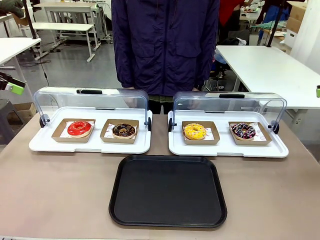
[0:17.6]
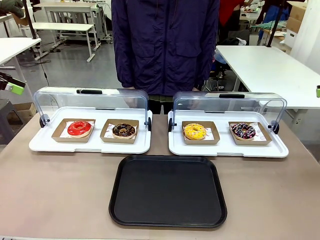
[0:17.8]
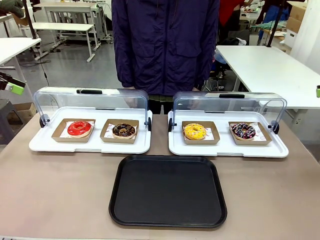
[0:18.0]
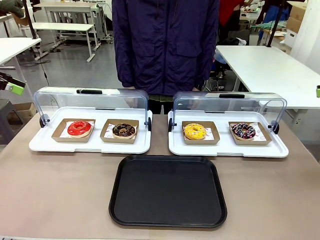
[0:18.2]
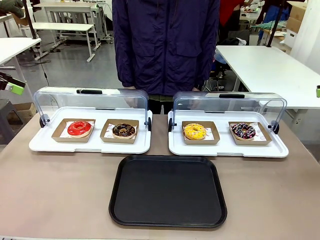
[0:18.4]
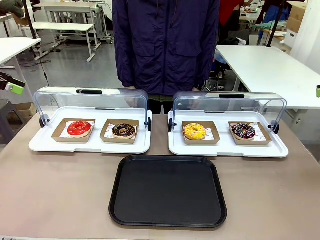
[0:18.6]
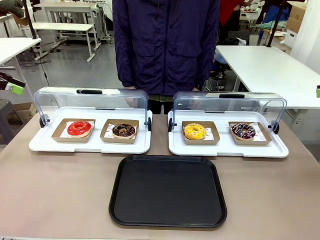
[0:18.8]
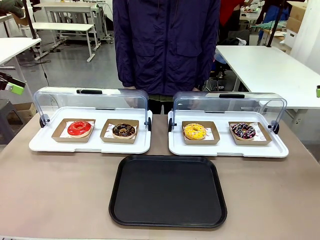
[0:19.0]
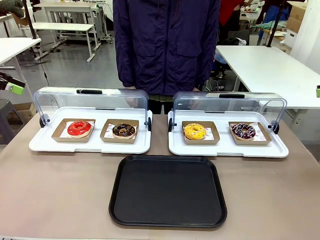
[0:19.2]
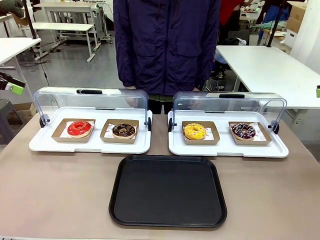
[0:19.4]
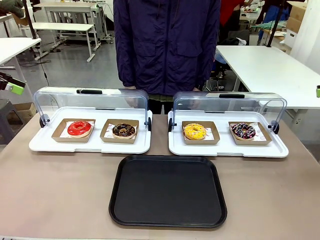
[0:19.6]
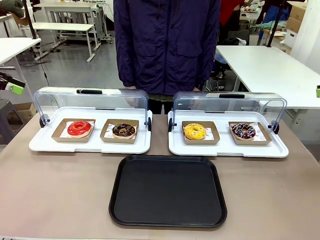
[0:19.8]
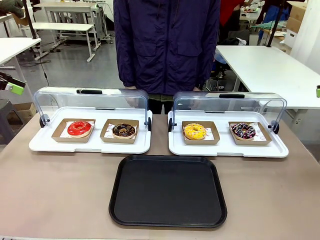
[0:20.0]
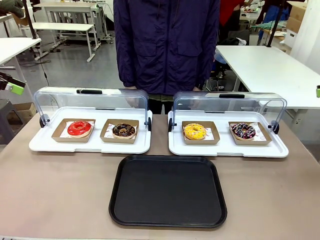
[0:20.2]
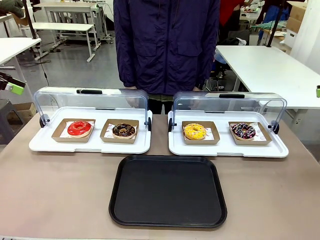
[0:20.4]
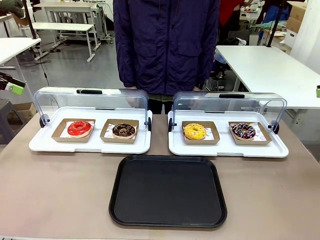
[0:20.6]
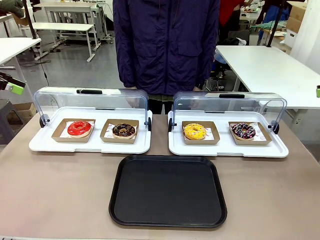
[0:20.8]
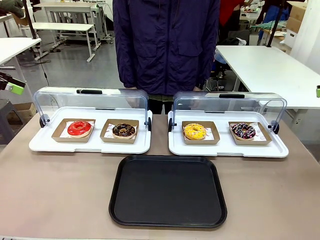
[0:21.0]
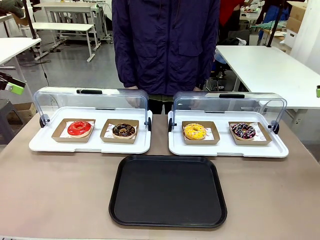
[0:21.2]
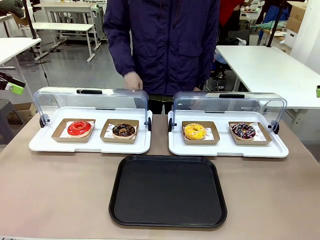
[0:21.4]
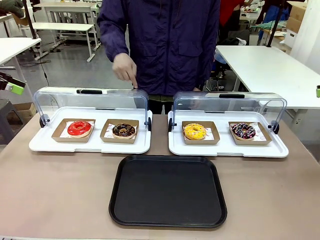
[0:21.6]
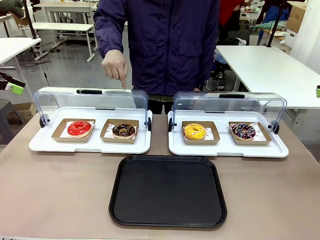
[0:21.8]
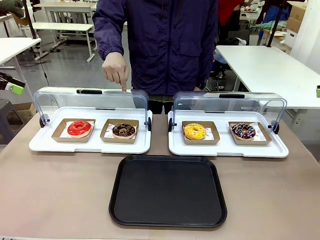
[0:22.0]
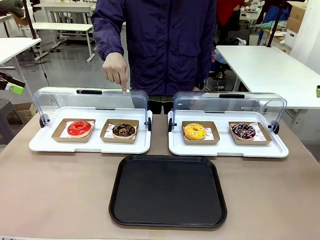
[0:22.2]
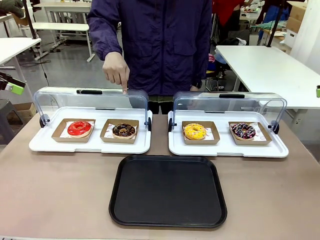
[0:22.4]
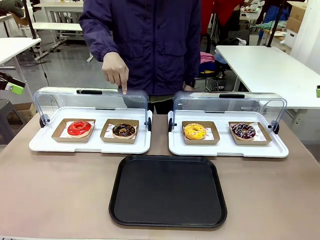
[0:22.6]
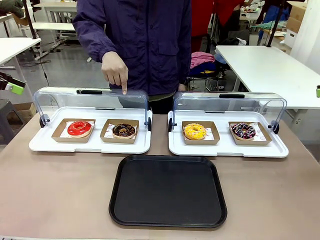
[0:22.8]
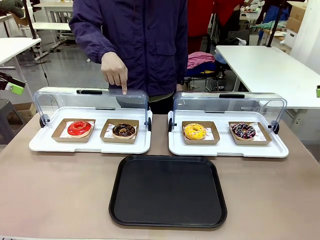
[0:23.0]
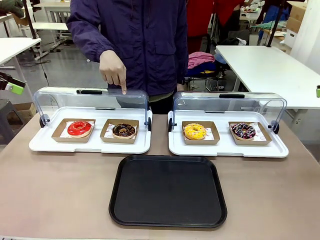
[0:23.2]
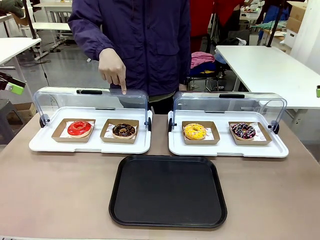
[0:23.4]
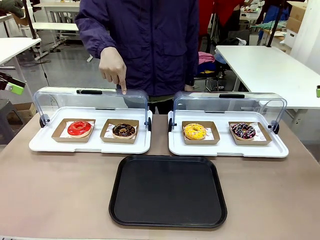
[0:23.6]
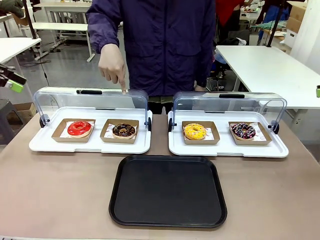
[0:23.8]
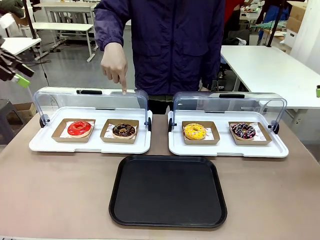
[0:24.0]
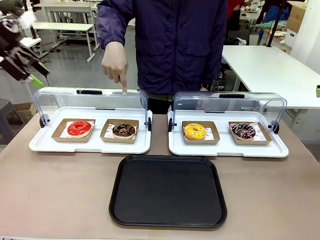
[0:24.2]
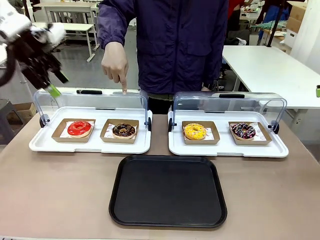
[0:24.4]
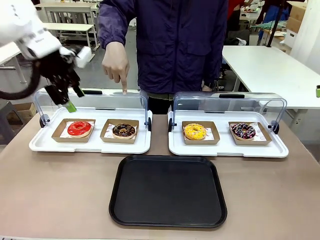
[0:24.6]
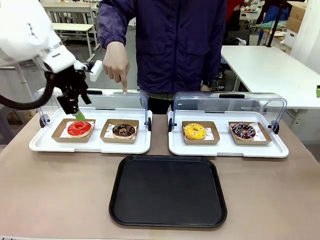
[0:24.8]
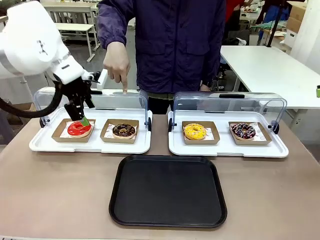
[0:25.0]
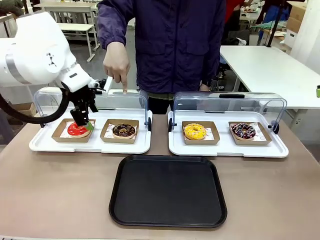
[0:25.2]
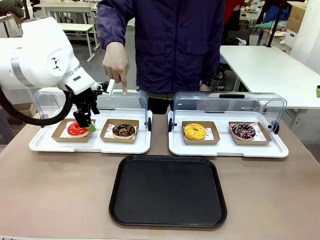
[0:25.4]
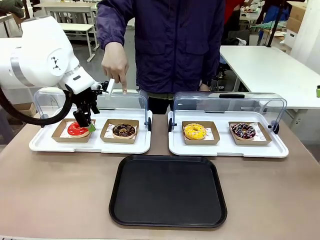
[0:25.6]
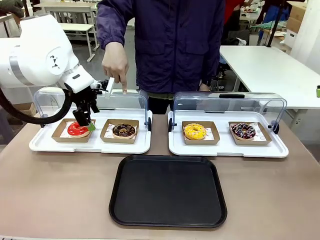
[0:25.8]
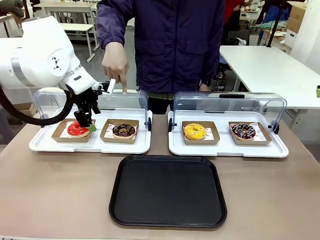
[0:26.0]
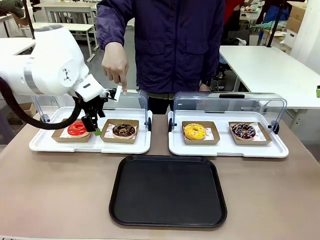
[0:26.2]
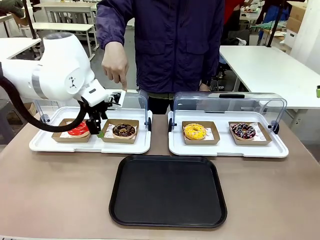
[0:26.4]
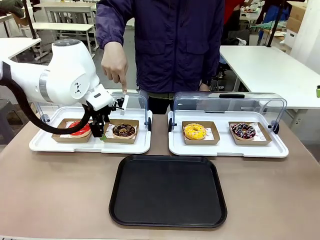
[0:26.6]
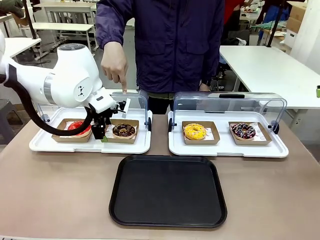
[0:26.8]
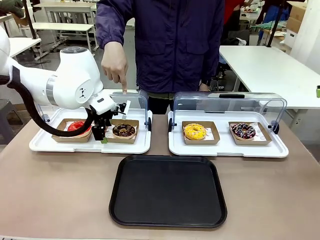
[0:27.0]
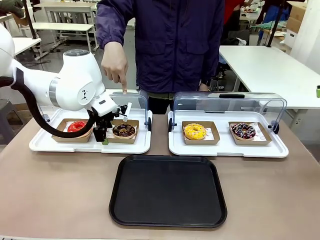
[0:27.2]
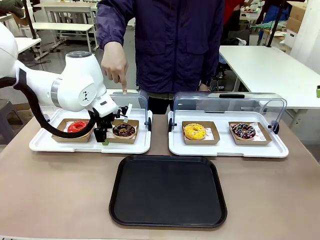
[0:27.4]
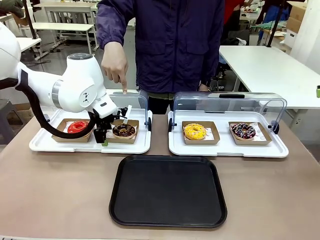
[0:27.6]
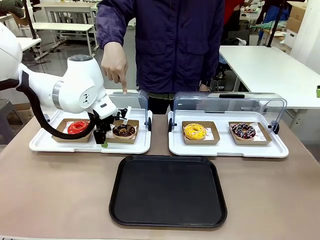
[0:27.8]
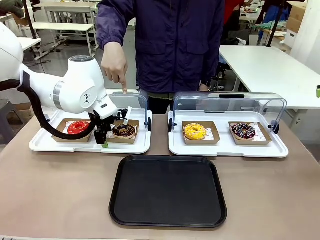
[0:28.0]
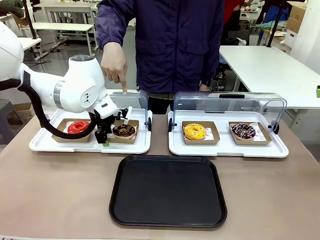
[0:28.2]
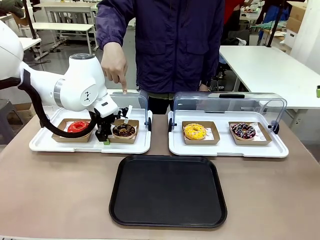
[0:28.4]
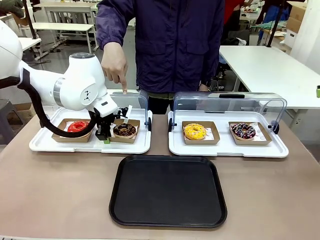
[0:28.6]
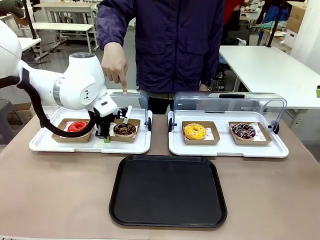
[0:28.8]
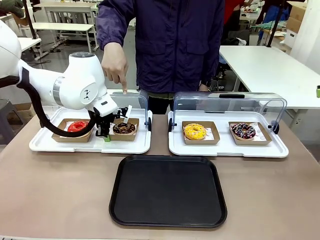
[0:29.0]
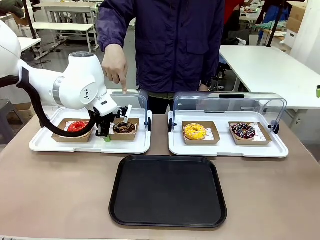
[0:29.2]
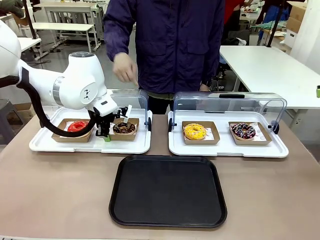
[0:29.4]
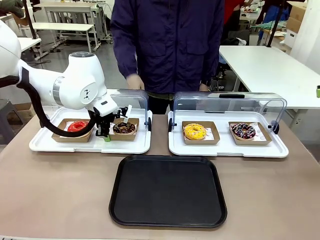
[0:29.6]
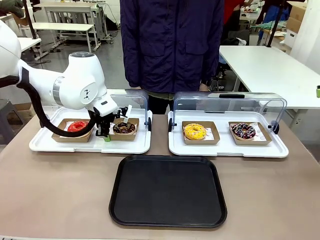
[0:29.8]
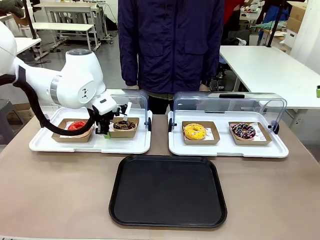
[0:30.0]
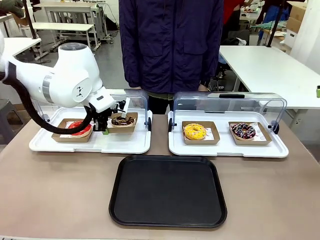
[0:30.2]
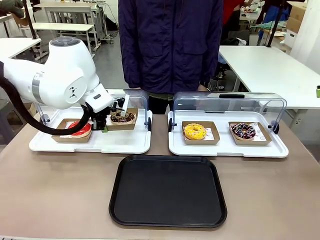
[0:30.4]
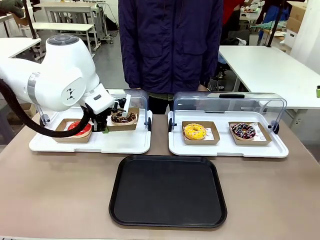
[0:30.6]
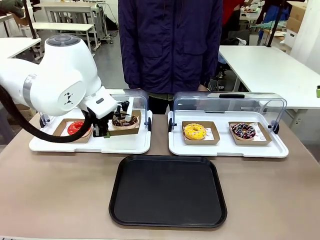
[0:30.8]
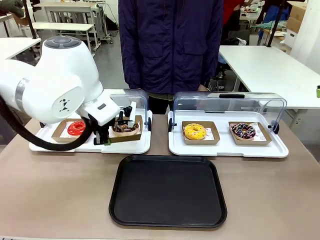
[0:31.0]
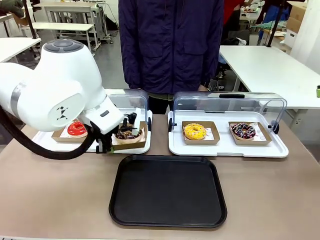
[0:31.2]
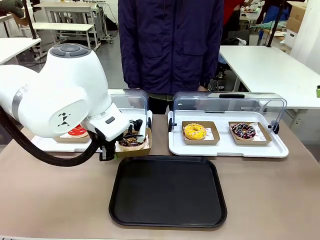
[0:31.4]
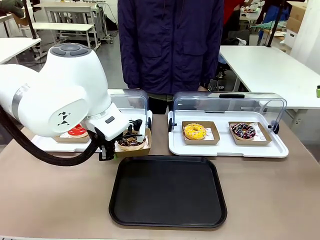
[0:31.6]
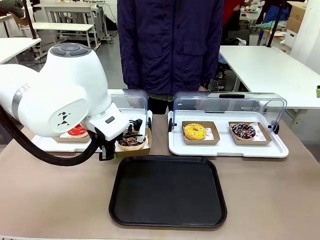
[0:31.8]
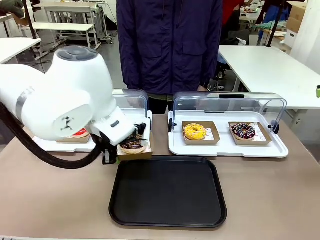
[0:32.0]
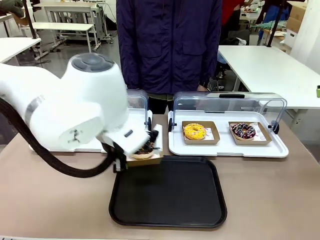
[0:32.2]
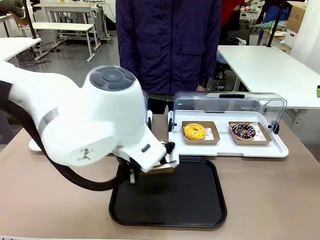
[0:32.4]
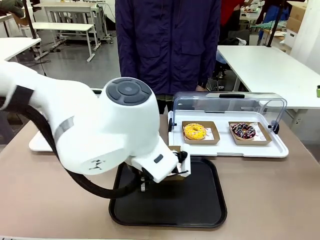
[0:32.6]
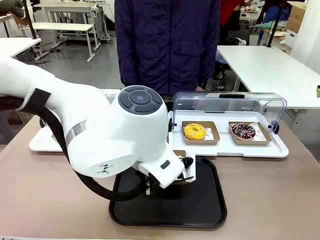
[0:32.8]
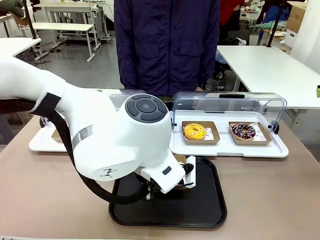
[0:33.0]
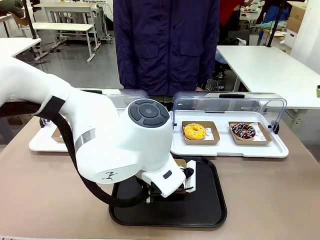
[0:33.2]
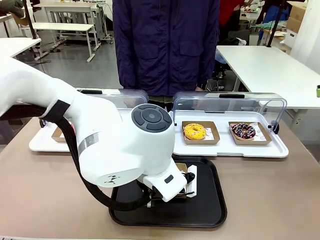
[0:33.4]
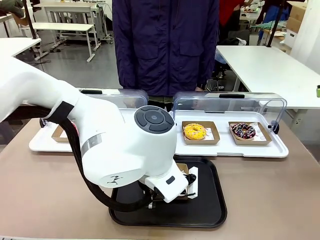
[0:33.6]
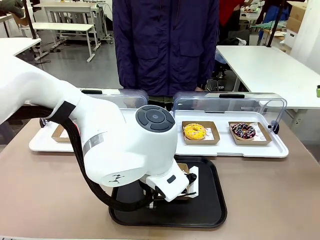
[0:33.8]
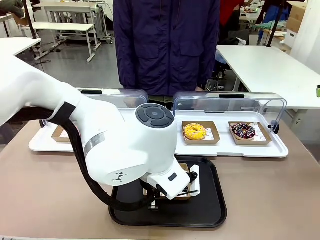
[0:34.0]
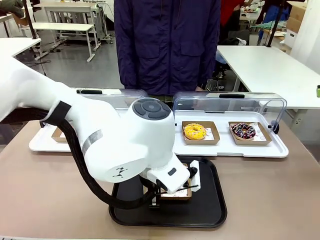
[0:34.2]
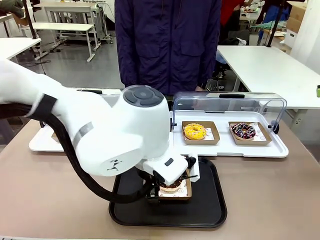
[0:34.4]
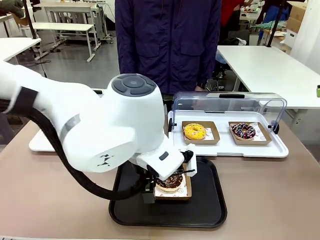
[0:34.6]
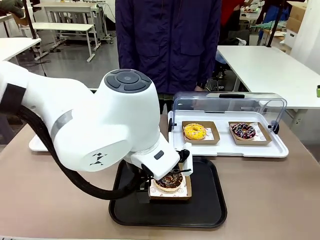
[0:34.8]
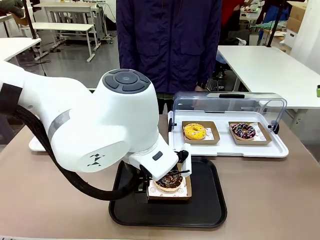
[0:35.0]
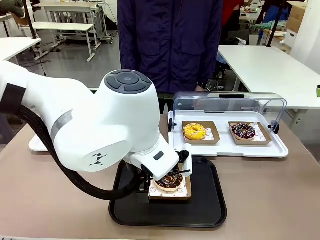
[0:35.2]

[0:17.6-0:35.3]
Task: Move the second donut from the left to the tray.
Robot: Pick up the Paper togo box containing the Donut indicated by the person and place it on the Handle tray.
Person: Points to the second donut from the left from the robot’s perspective.
